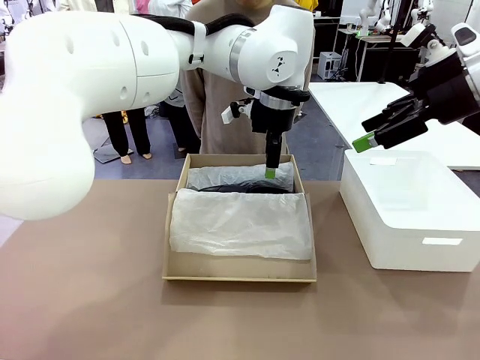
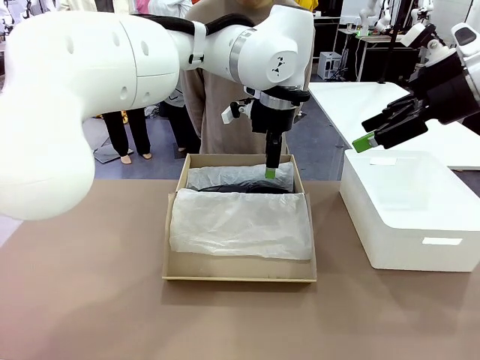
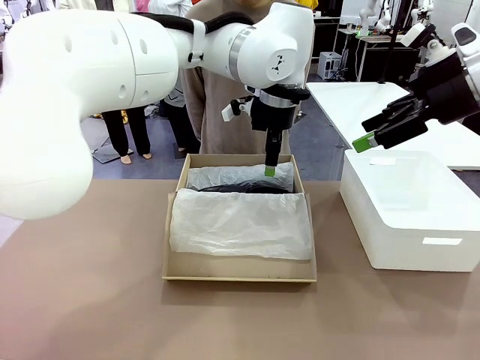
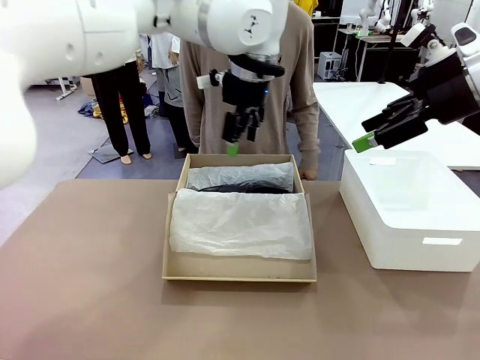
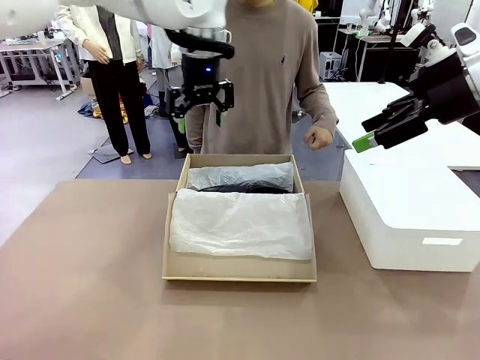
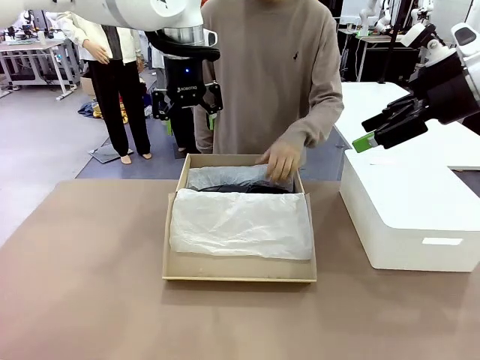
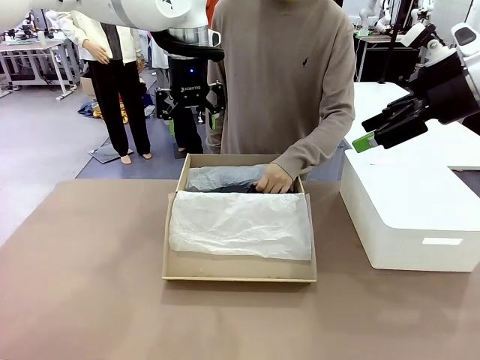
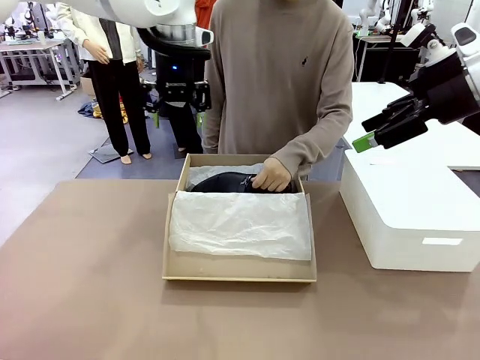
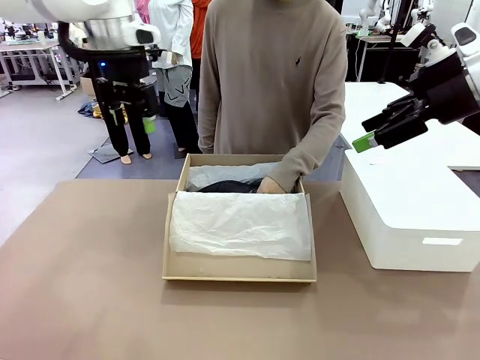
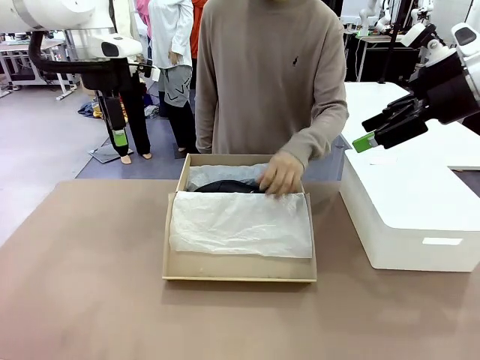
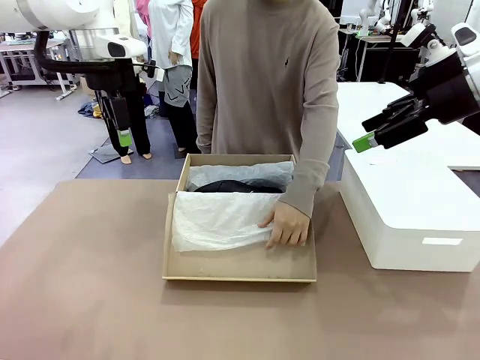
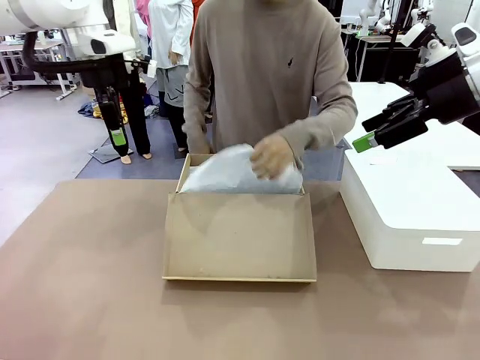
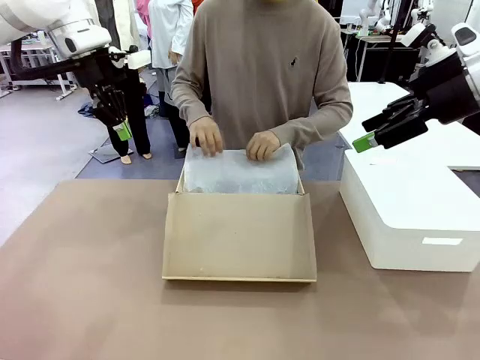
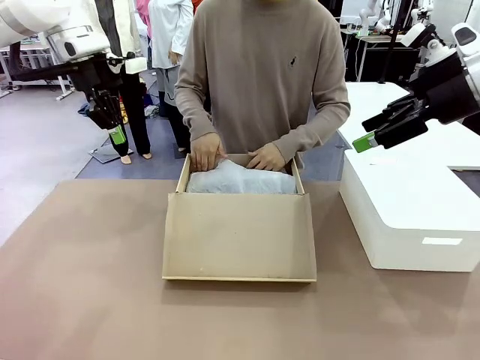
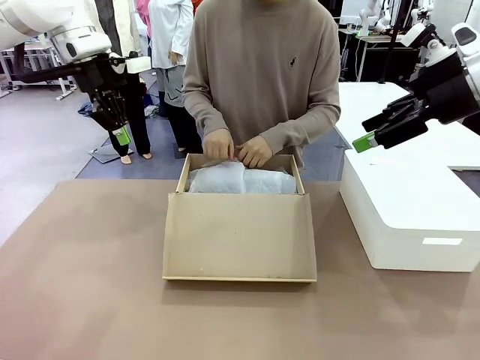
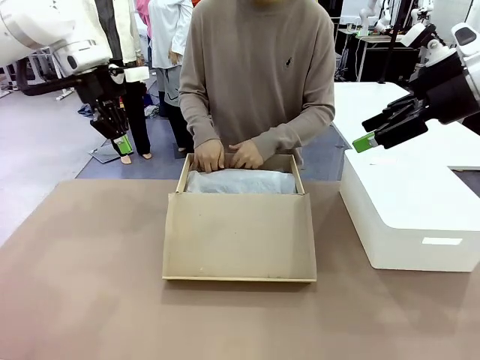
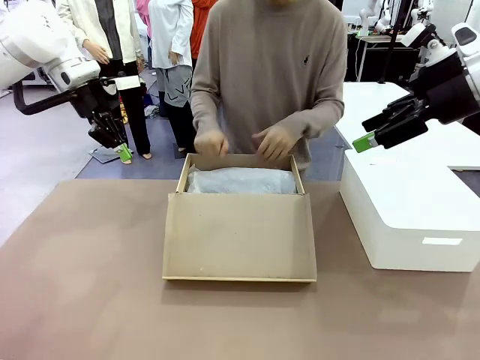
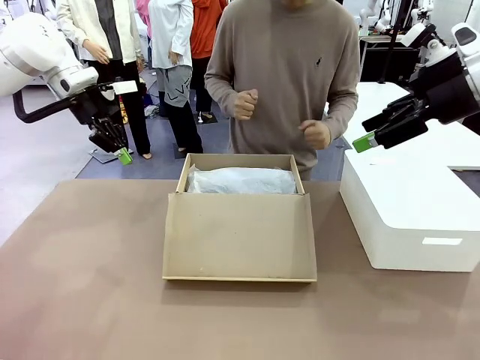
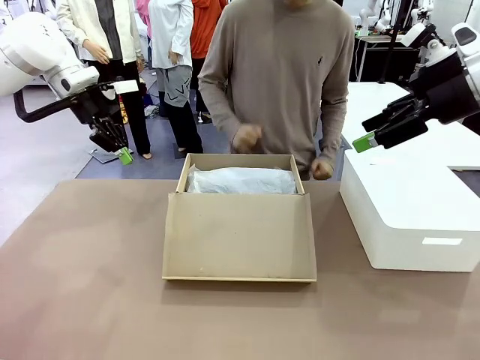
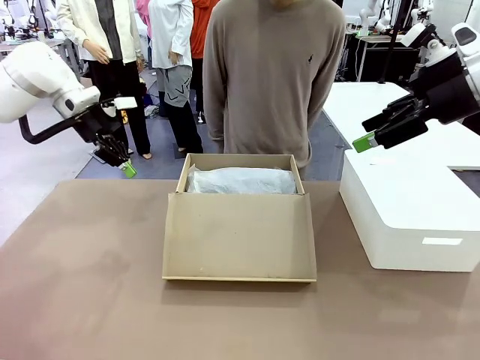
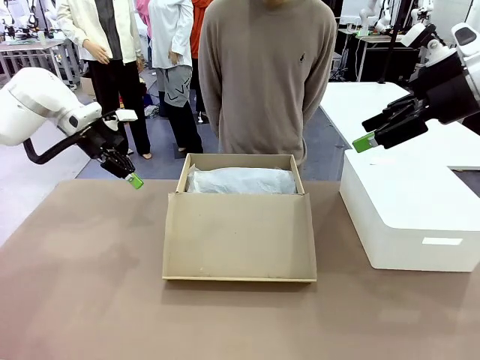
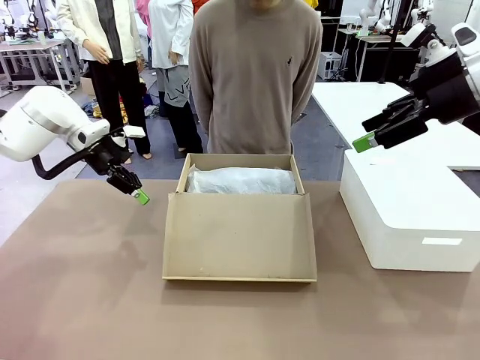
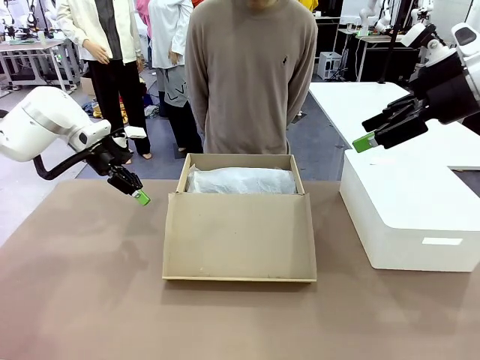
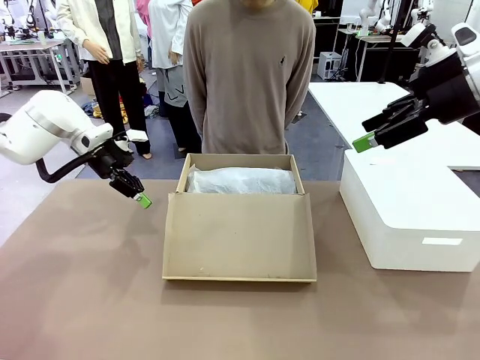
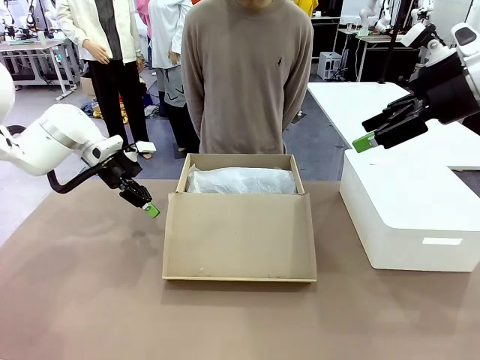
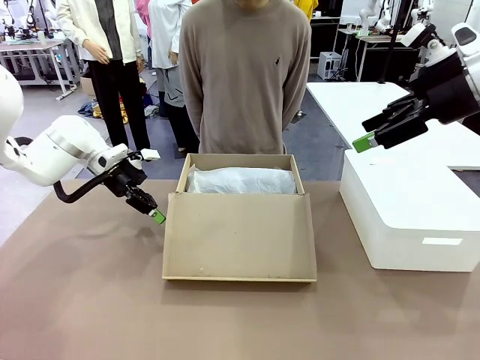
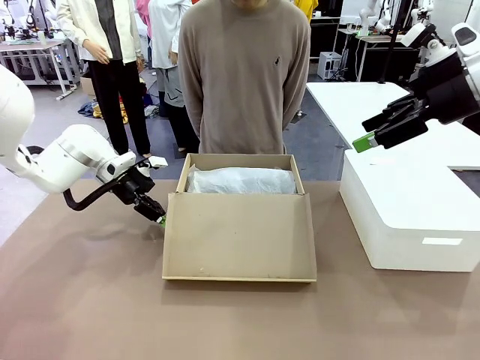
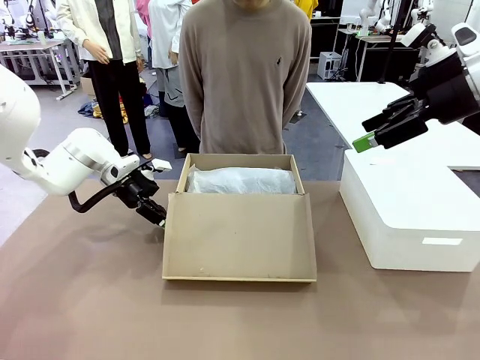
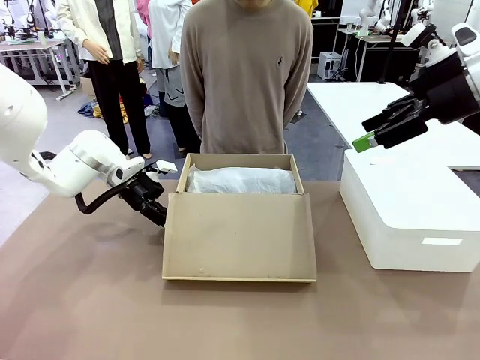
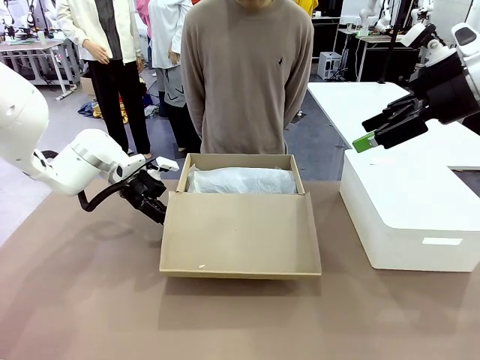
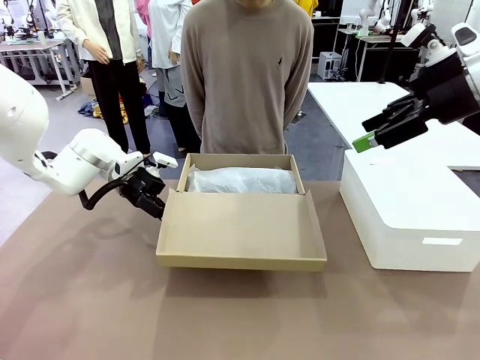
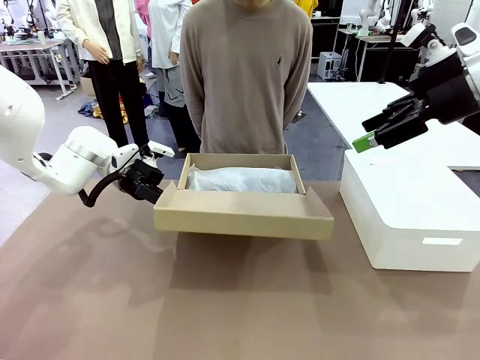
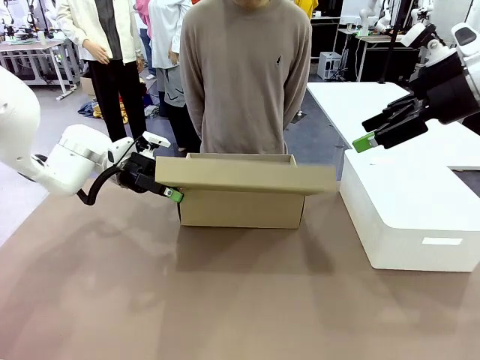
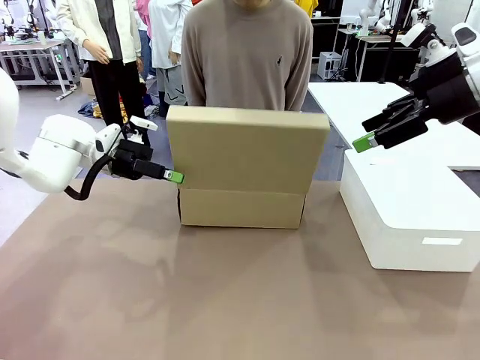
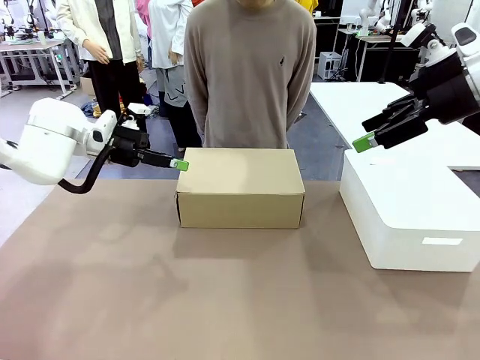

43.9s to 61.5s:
Task: Pack the shoes into the box.
Robot: Close the Shoes Box.

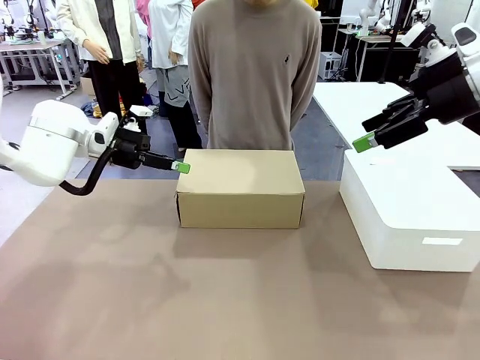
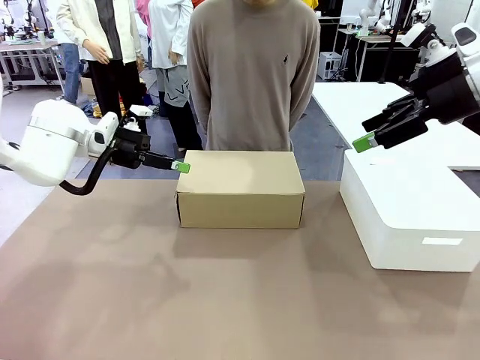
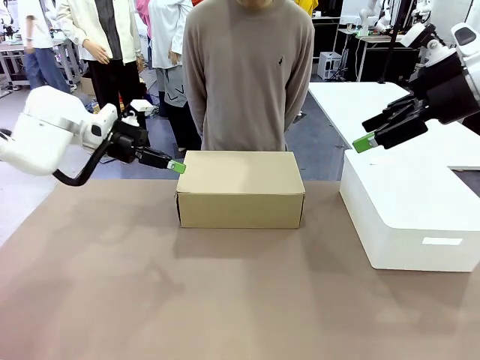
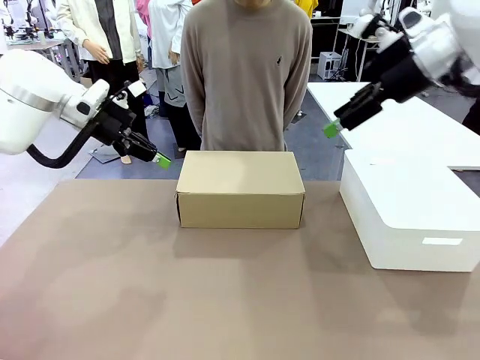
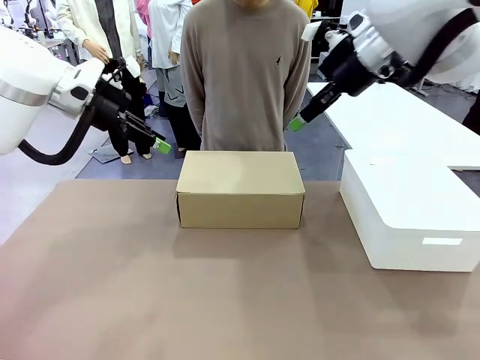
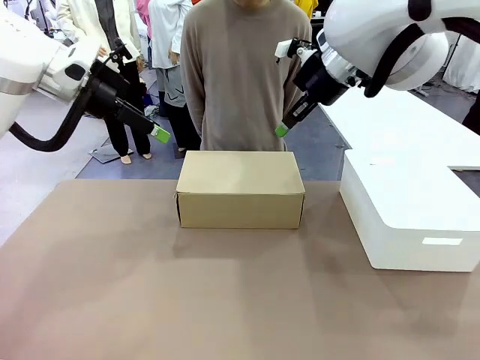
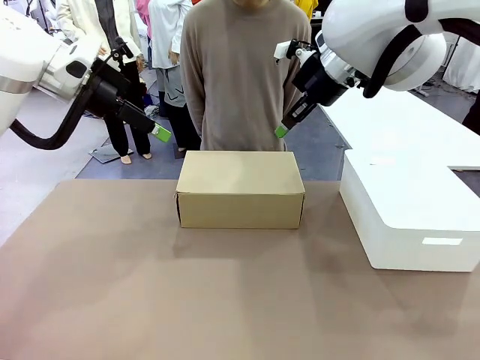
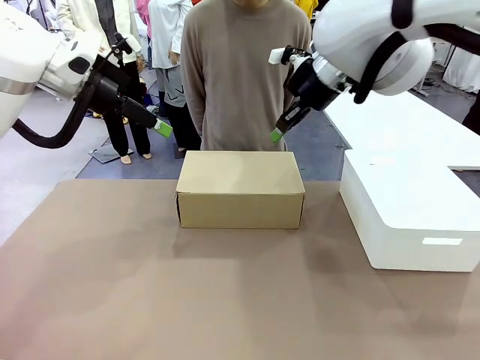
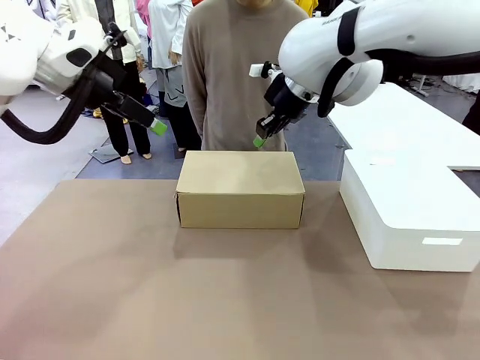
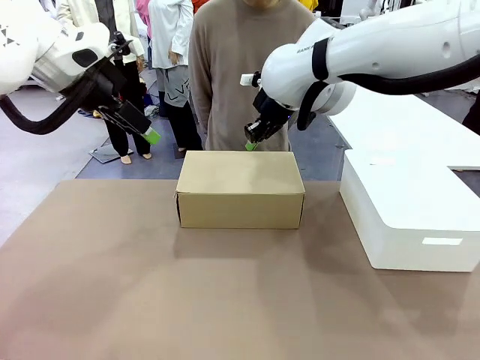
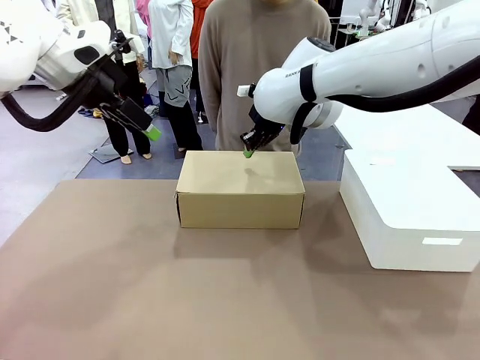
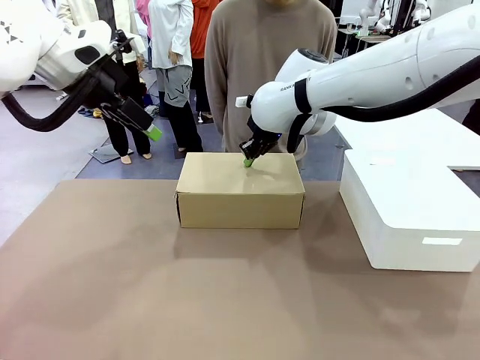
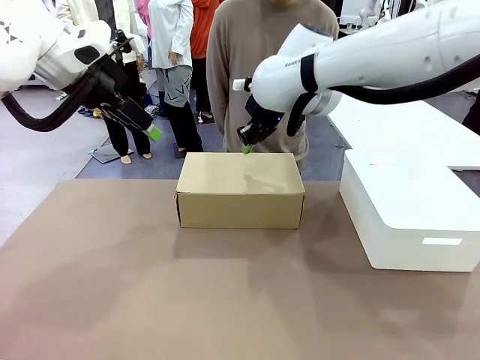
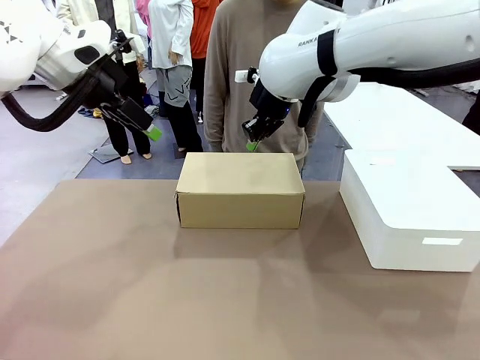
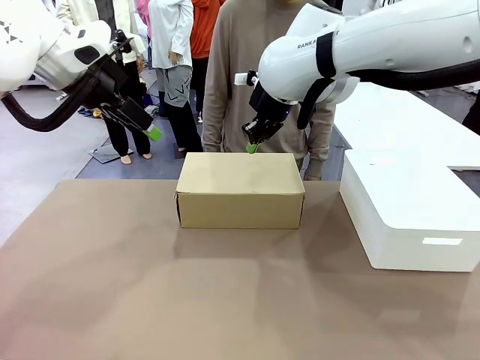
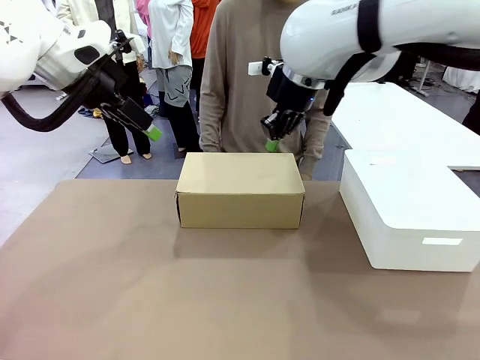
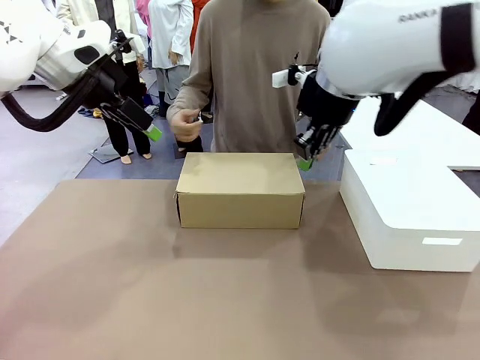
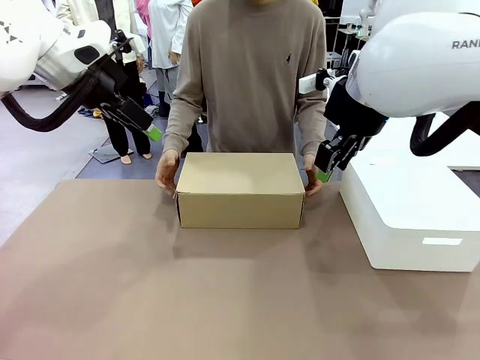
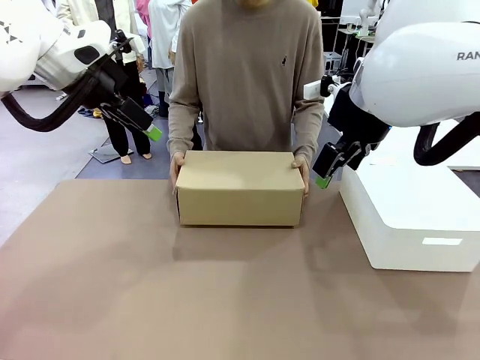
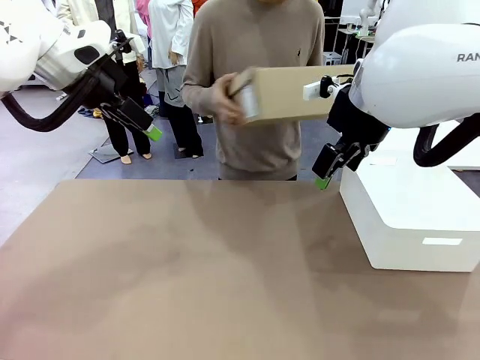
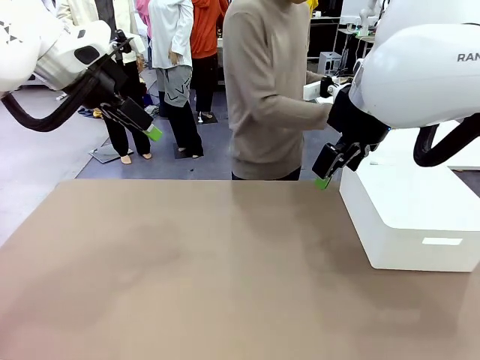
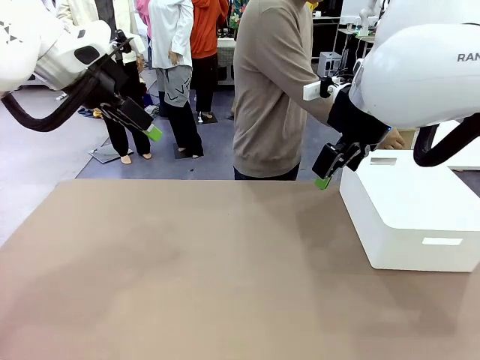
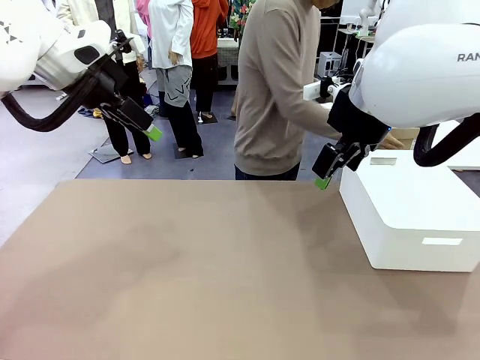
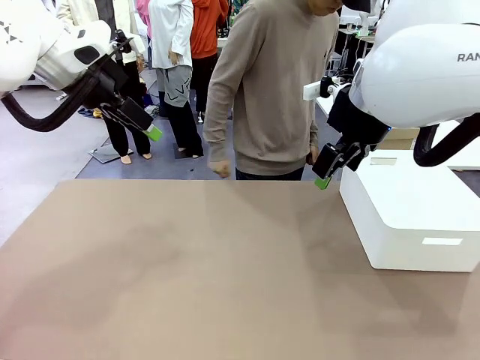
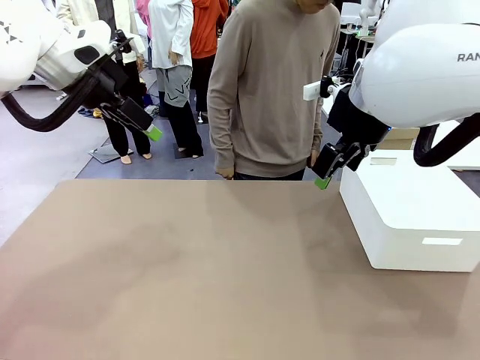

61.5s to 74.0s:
Robot: Press down on the lid of the Shoes Box.
Person: Place the closed Shoes Box to the right side of the human table.
